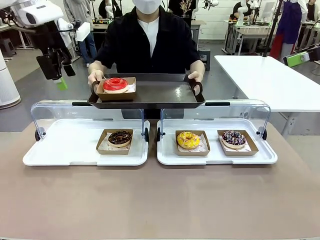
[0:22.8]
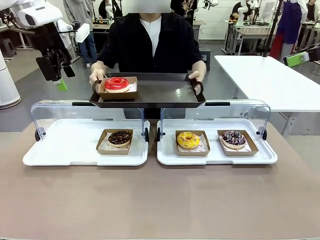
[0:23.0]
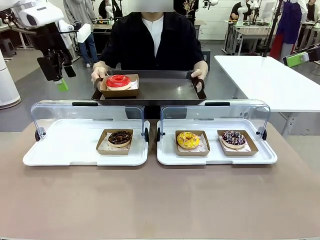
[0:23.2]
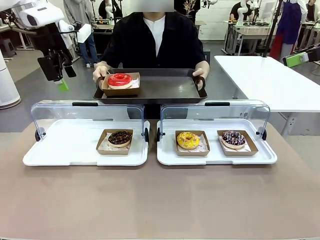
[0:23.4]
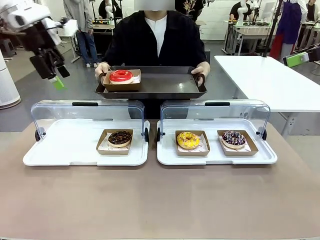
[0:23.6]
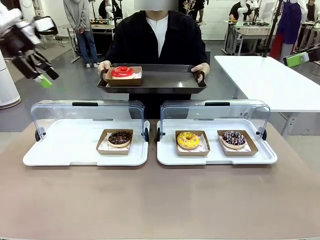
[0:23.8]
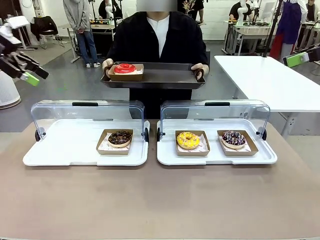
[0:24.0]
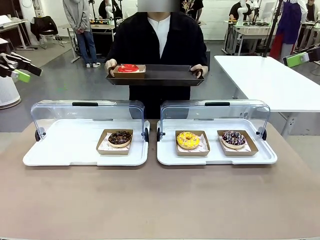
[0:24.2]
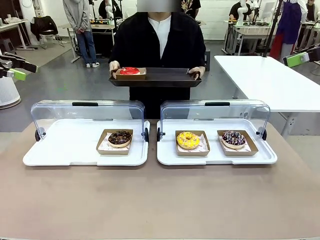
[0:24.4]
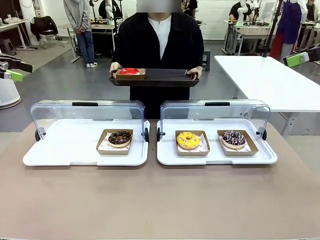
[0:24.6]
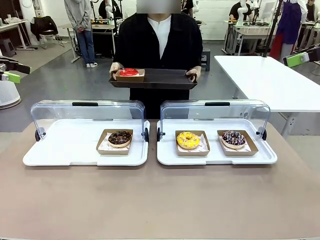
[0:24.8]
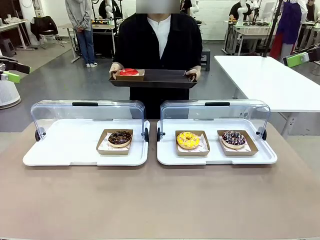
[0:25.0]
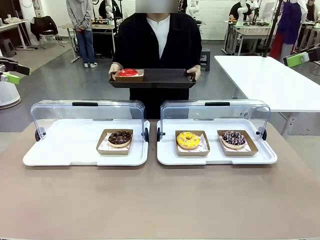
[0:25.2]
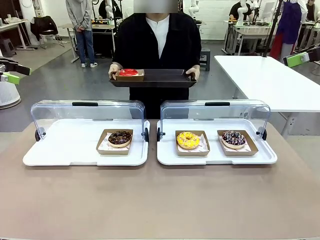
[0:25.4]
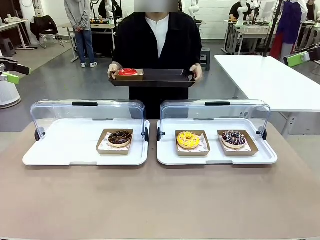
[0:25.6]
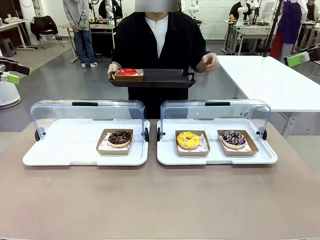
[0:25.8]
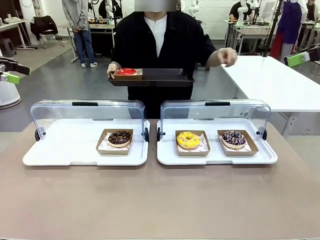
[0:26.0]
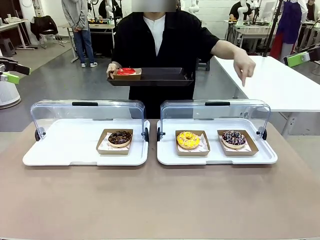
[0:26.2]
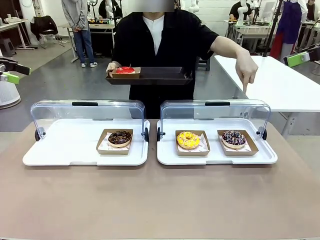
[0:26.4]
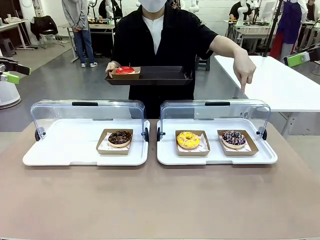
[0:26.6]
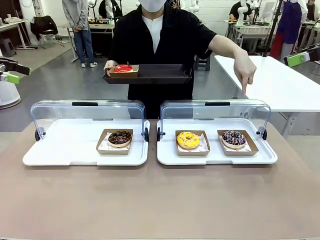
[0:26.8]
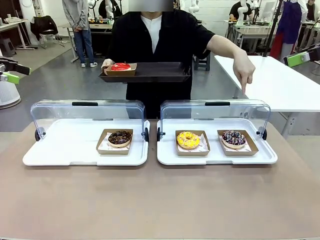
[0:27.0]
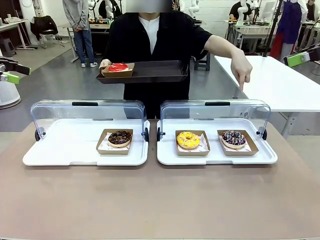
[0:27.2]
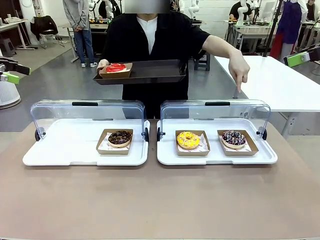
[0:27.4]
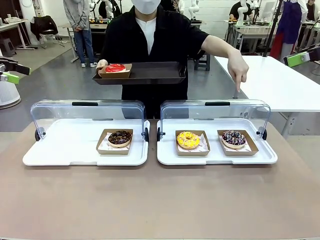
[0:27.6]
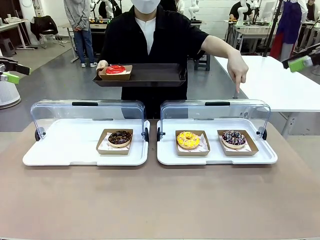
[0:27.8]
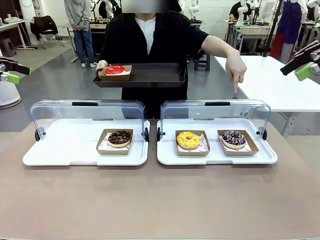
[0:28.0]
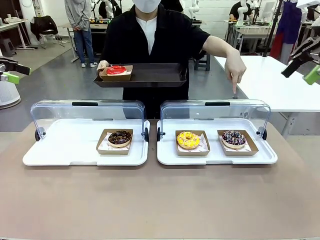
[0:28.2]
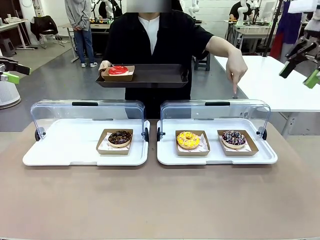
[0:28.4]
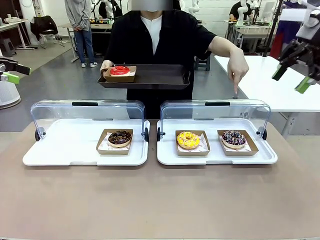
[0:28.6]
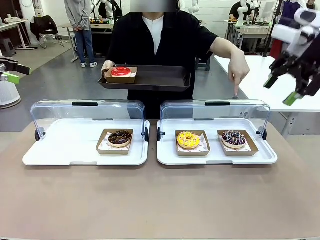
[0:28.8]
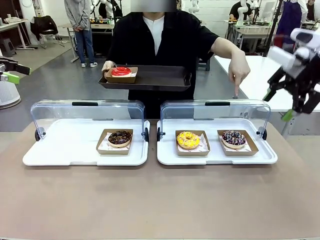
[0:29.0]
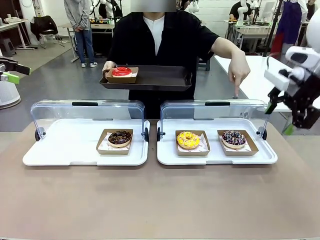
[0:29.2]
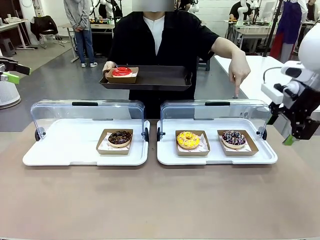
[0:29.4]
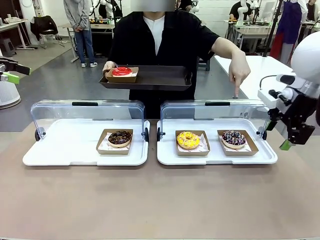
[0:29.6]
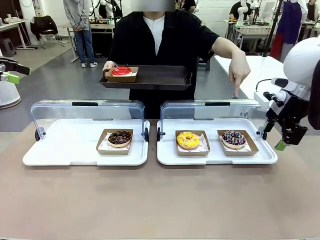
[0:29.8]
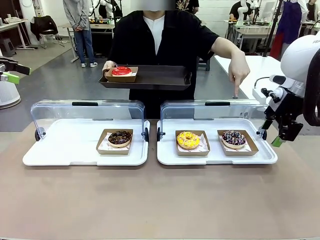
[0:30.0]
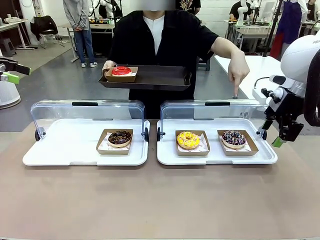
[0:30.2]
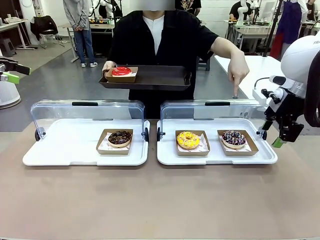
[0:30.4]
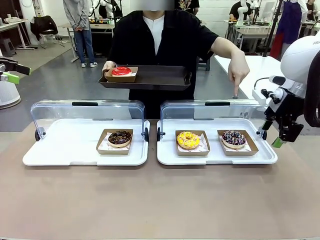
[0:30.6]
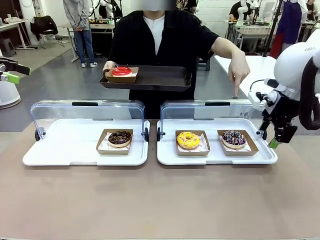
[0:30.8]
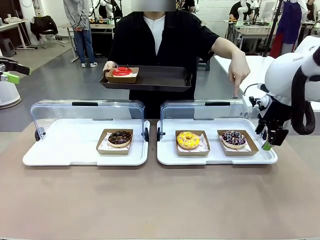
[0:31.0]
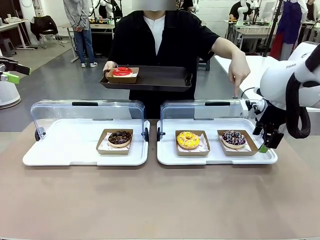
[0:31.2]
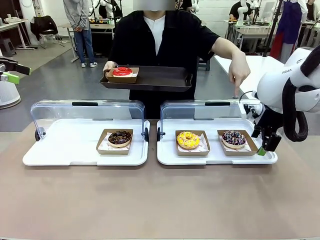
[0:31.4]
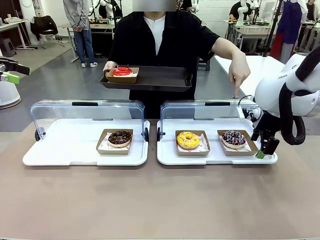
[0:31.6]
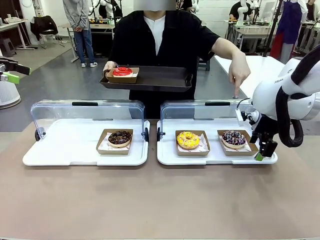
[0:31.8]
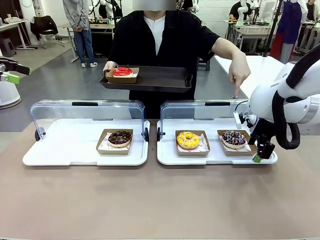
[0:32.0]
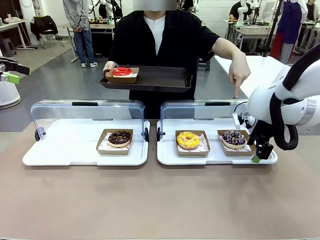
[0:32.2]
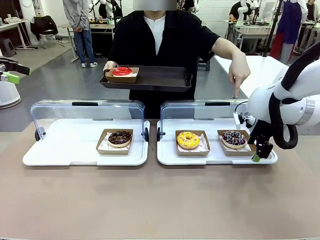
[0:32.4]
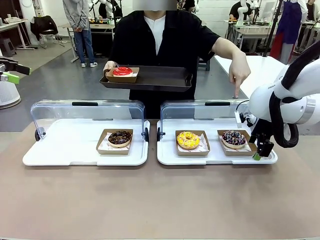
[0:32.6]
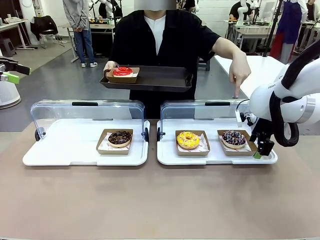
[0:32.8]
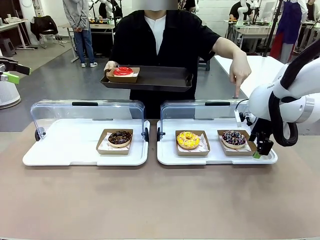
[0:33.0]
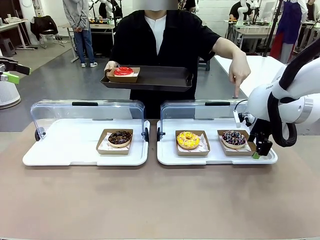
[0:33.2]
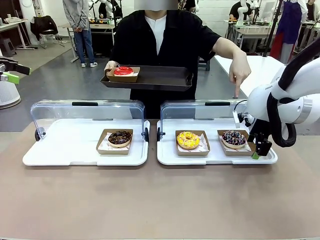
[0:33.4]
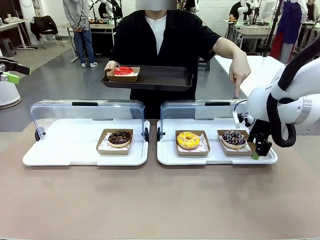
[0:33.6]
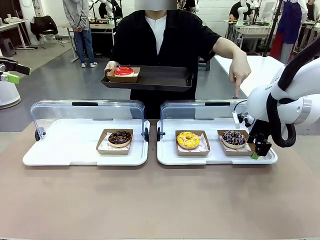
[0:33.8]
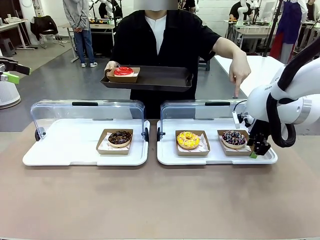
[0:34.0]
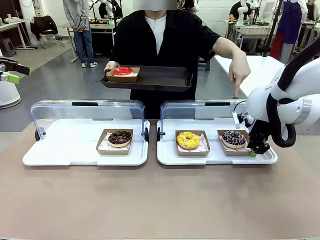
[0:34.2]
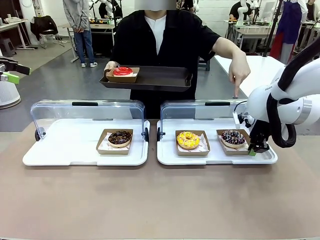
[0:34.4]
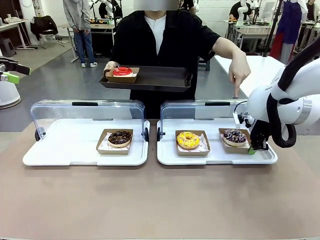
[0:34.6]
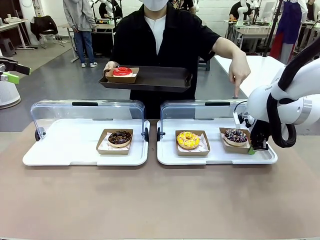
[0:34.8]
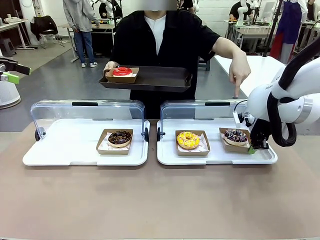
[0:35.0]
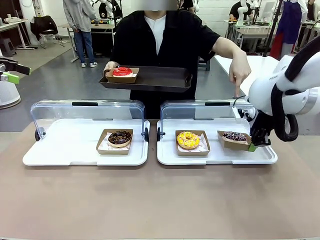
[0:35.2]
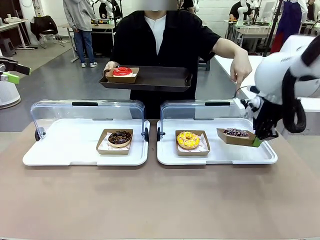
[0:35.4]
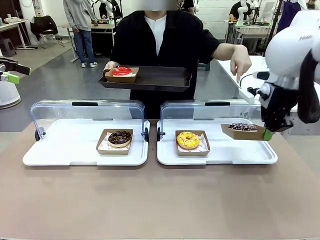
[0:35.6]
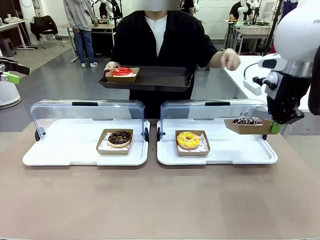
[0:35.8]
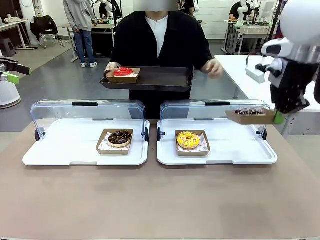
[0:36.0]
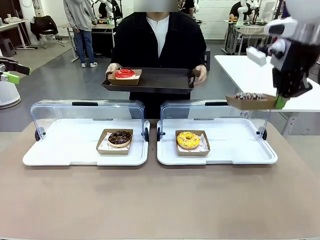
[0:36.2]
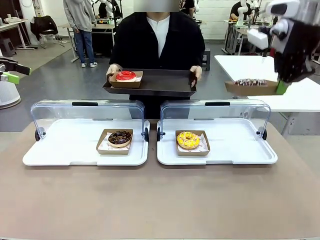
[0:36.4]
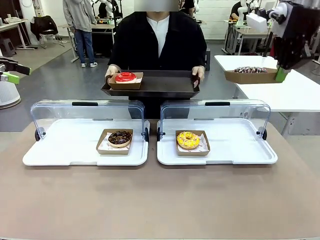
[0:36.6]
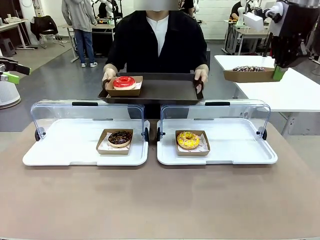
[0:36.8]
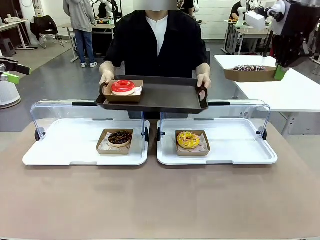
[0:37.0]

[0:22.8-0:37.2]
Task: Provide the desired donut to the person.
Robot: Pick up and lift the Paper togo box containing the Donut pointed at by the person.
Person: Point to one donut. Lift the tray onto the Roll-Top Bakery Case.

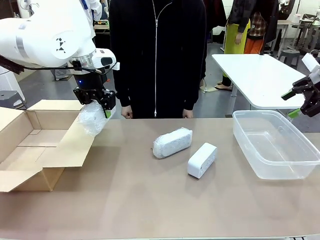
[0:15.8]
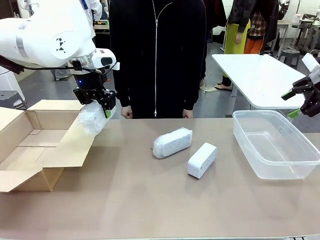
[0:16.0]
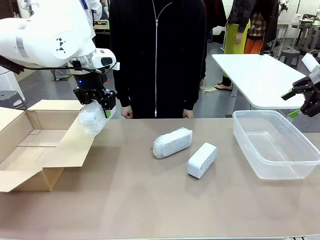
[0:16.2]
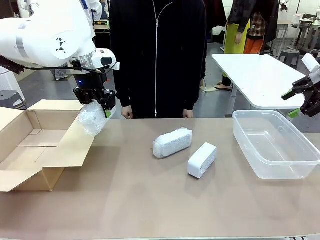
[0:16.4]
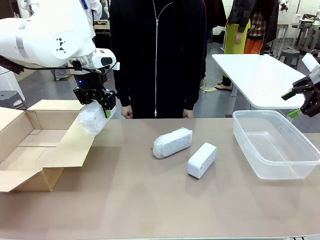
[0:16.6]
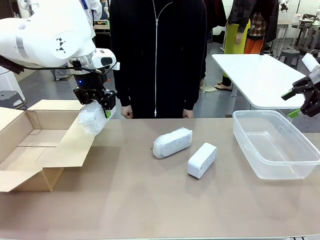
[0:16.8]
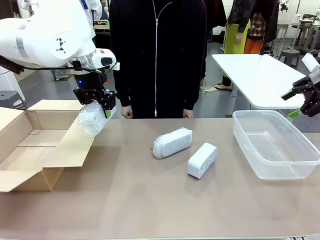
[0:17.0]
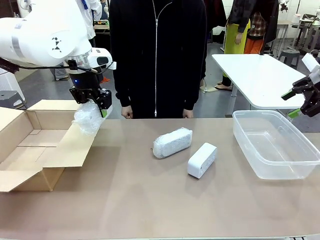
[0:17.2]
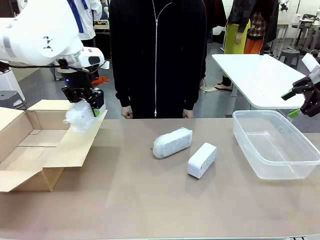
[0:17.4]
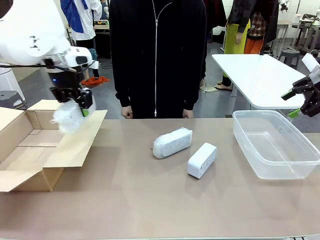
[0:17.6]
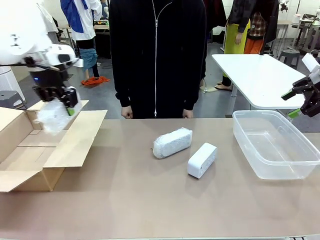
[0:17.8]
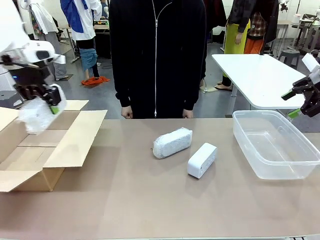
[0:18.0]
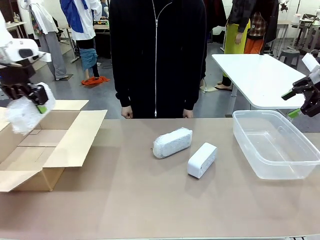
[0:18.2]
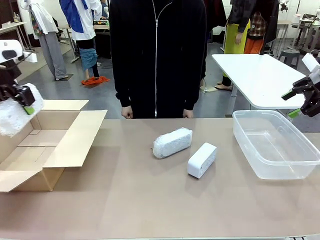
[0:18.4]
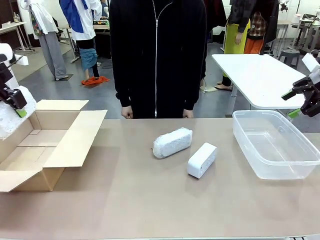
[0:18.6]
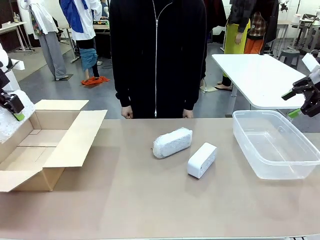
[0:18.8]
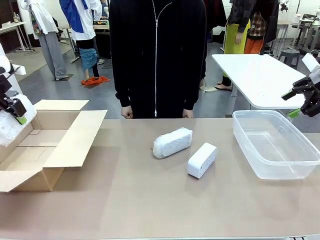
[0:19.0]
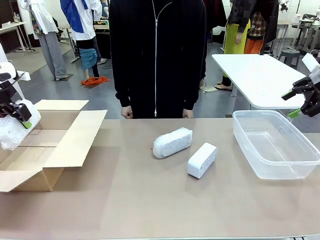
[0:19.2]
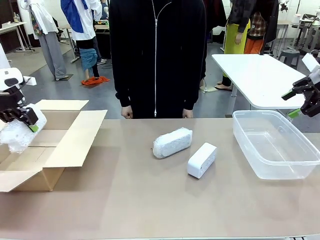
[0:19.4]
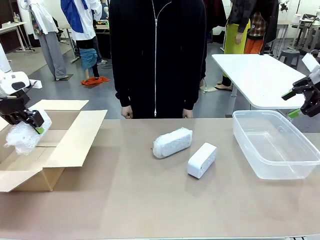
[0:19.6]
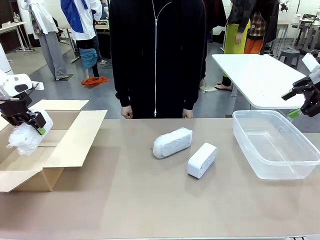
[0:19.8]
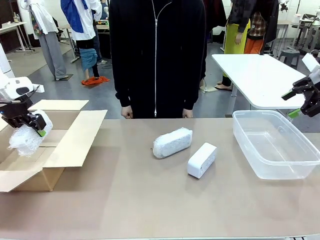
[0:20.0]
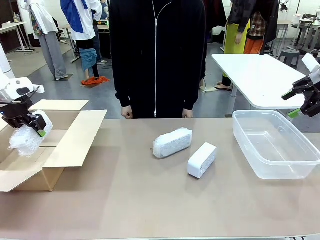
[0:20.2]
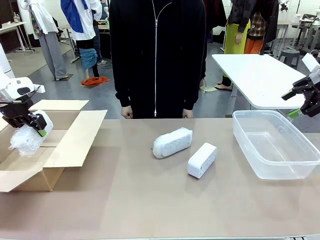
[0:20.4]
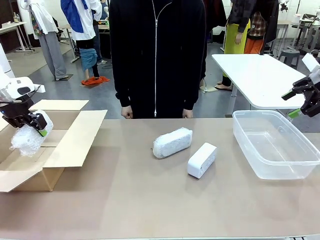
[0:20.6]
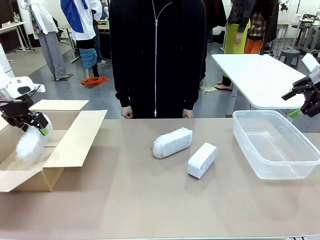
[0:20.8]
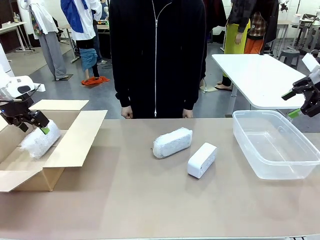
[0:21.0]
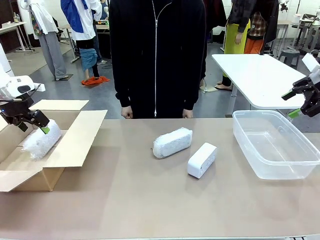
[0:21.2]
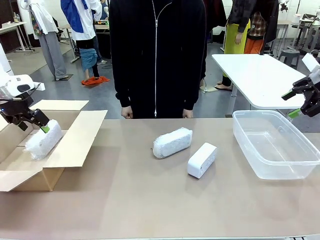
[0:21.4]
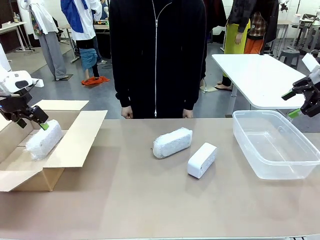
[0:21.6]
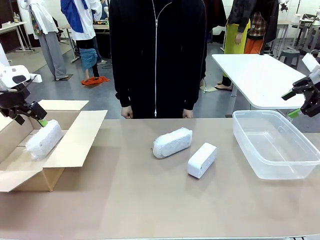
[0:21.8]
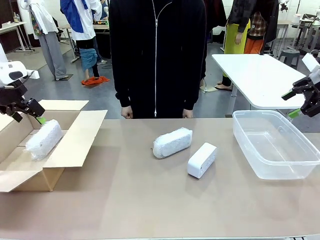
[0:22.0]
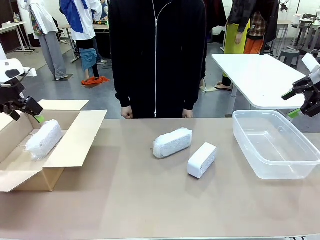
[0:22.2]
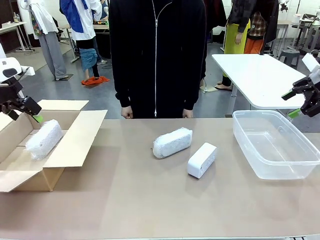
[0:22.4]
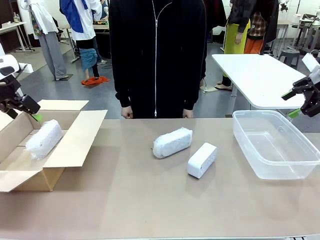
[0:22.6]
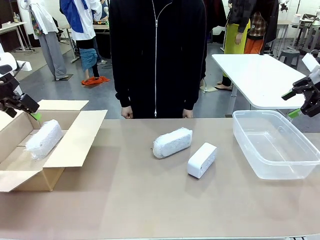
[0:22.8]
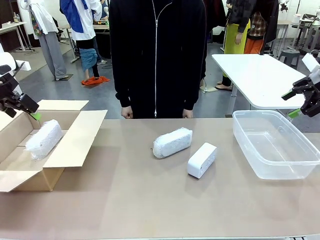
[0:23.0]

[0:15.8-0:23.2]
Task: Separate and place wrapped and unwrapped clocks.
Robot: If the picked Digital clock is wrapped, place it in the Package Box ; if not, place it in the Organizing box.
